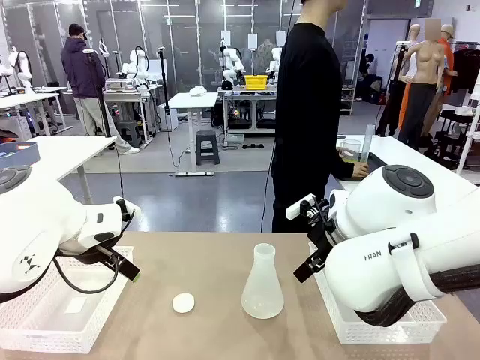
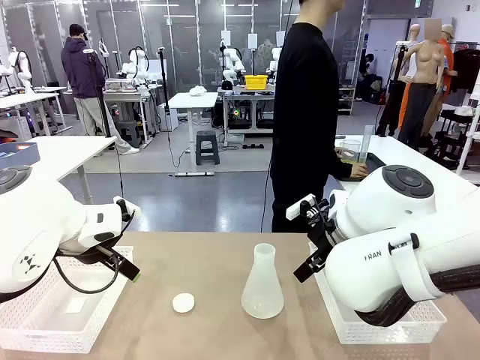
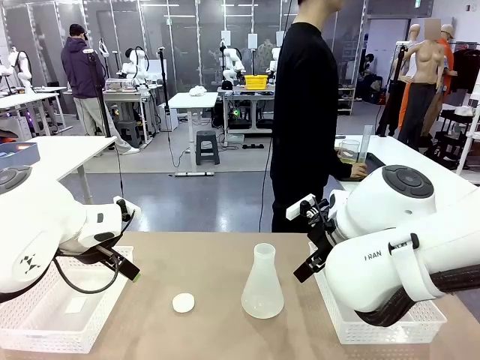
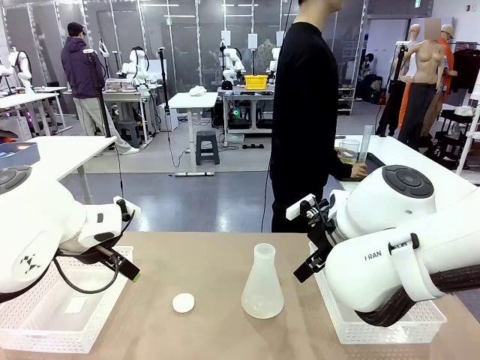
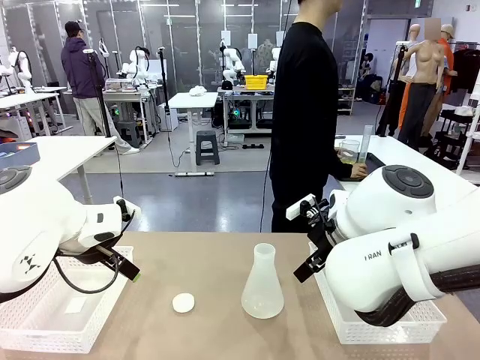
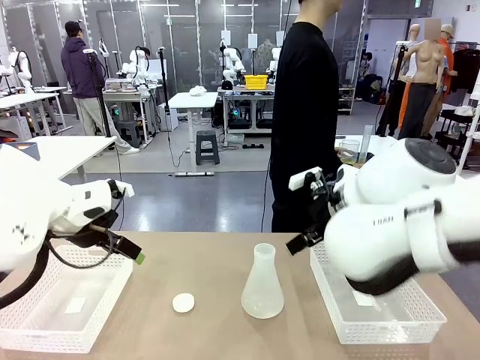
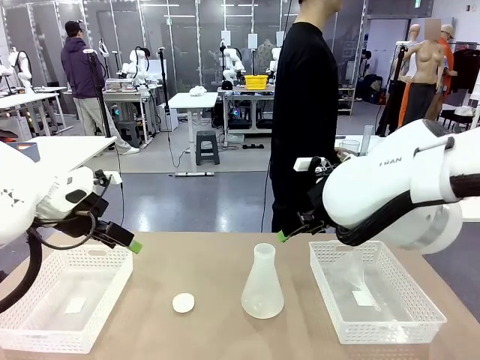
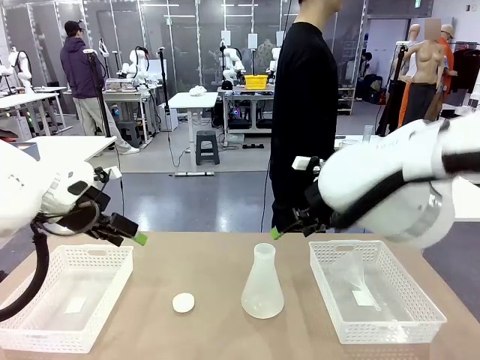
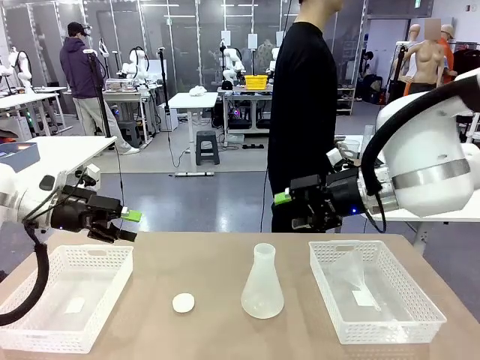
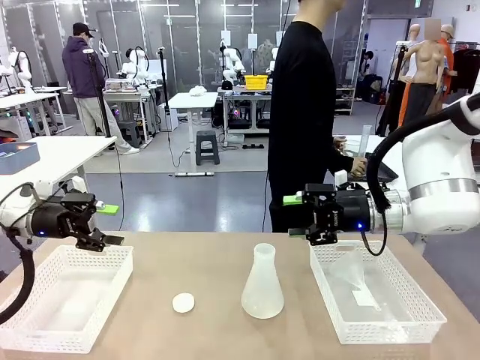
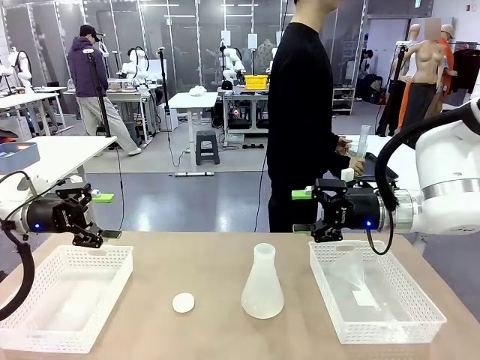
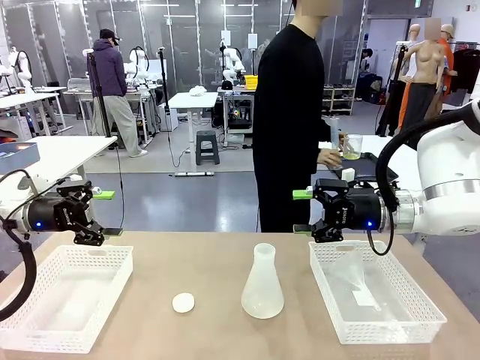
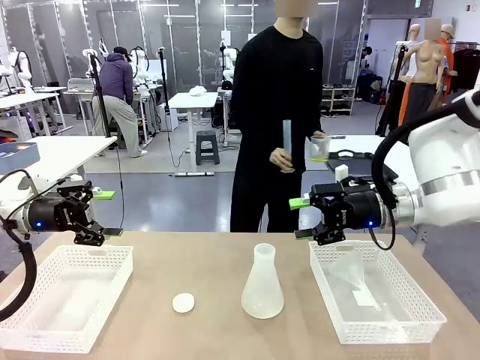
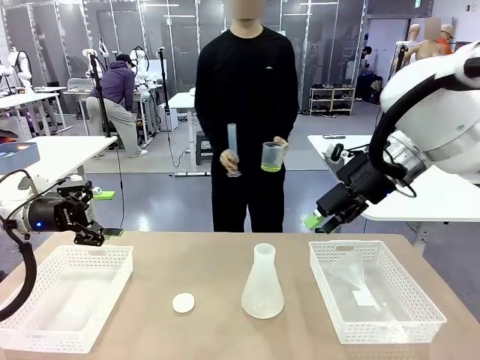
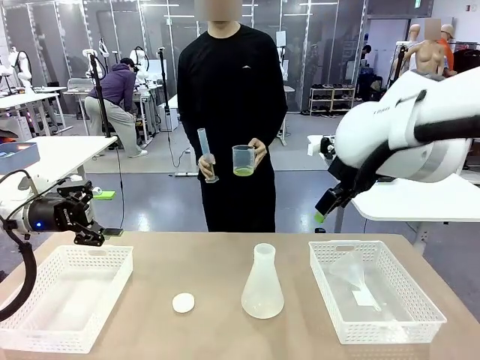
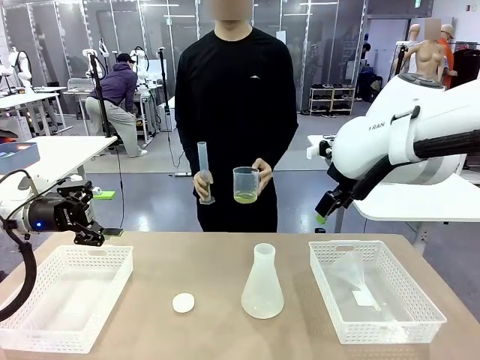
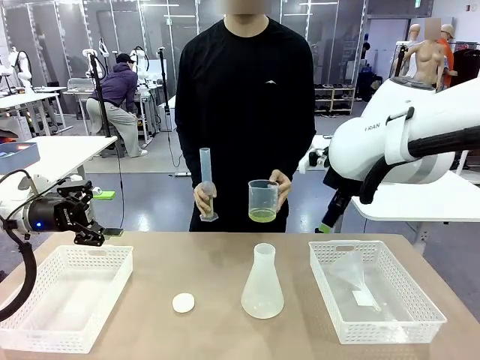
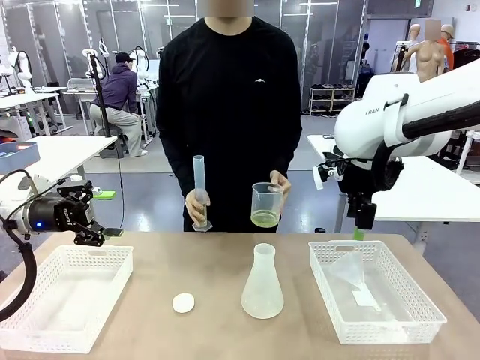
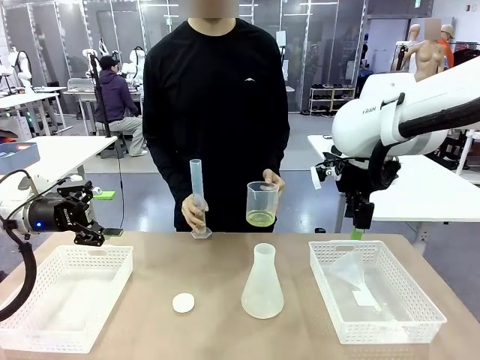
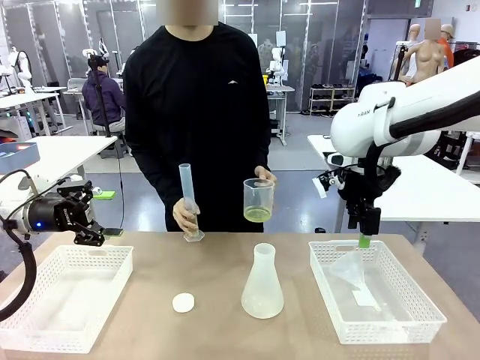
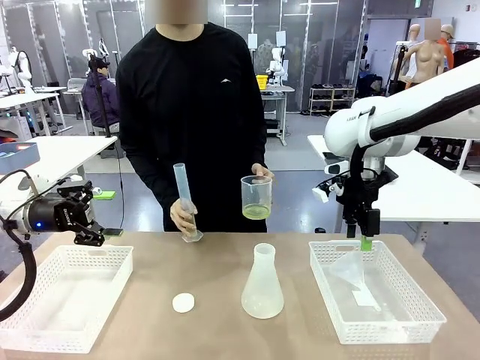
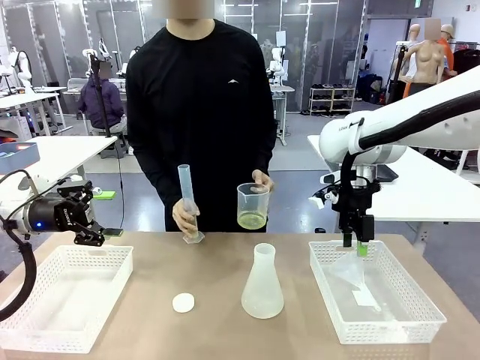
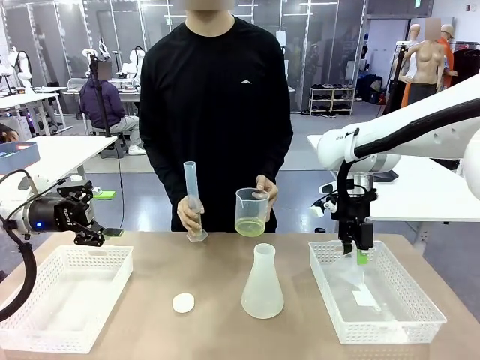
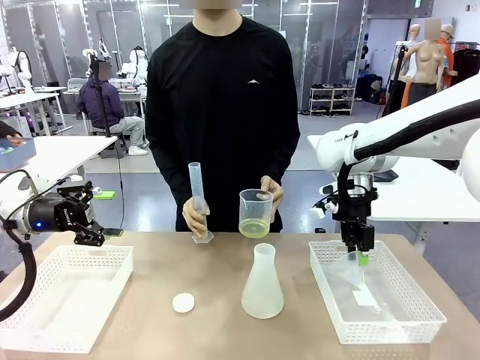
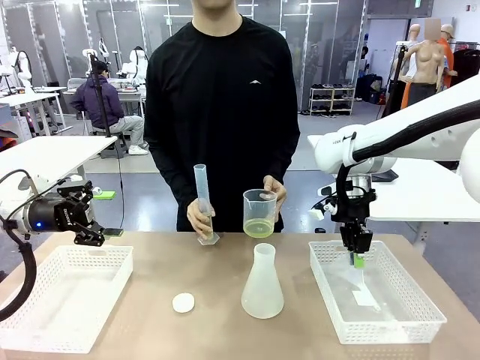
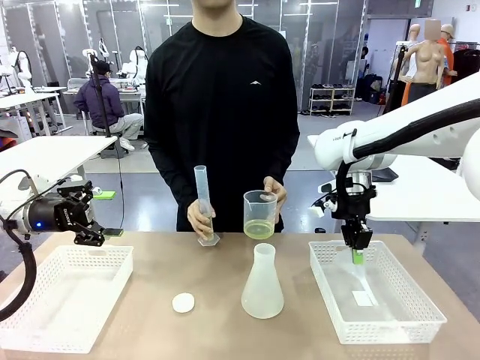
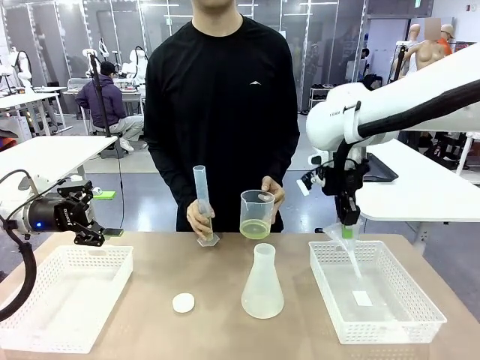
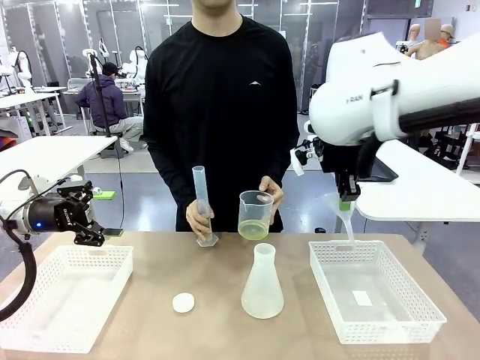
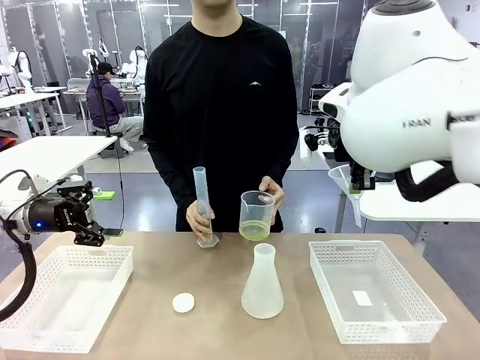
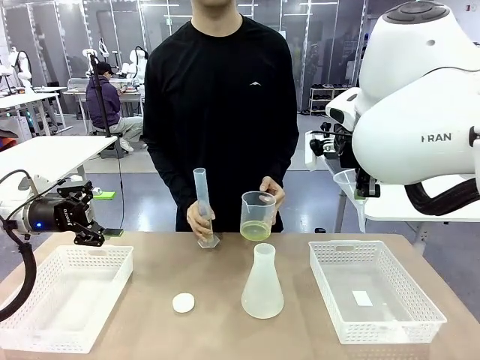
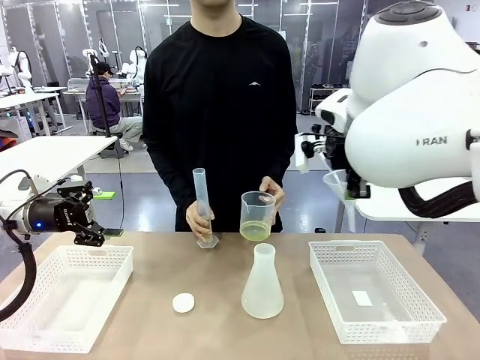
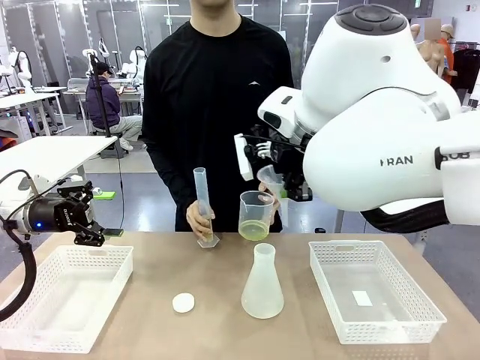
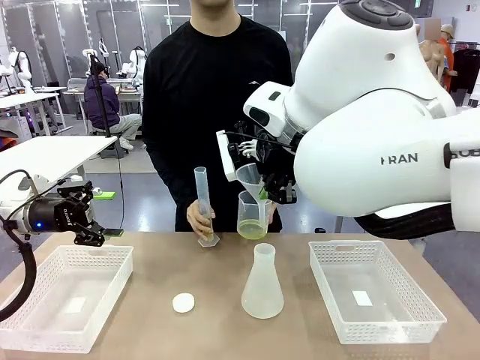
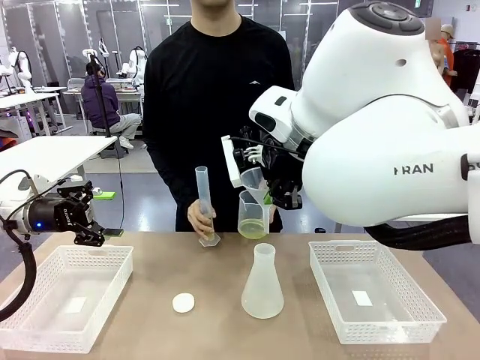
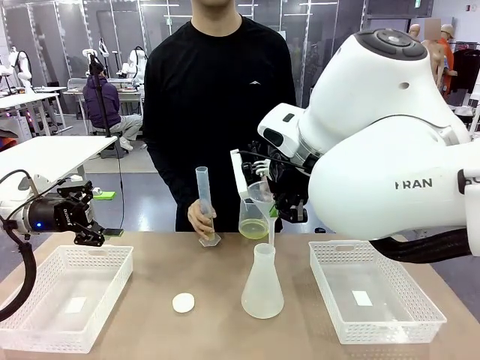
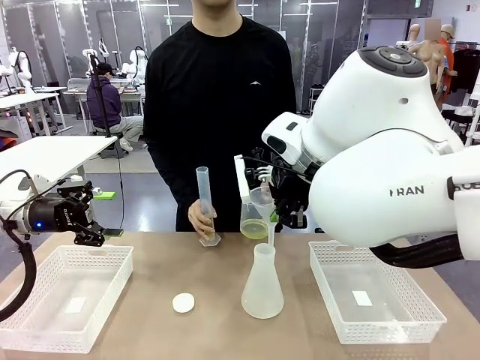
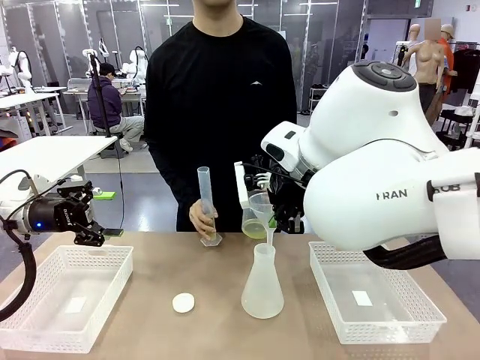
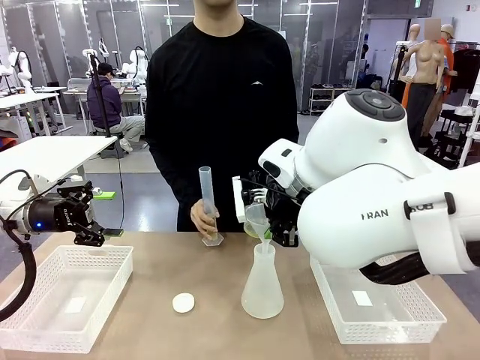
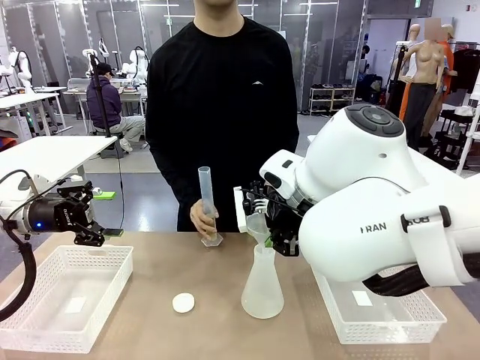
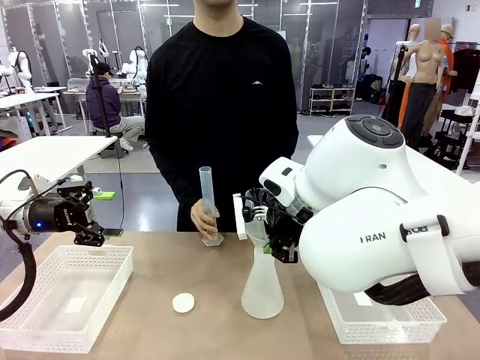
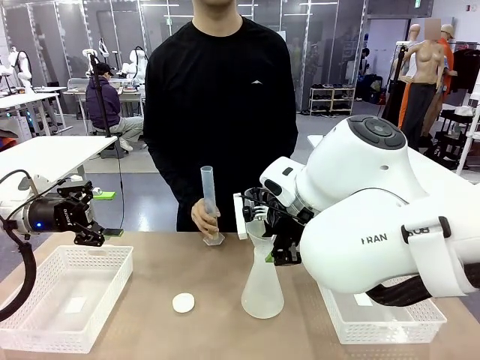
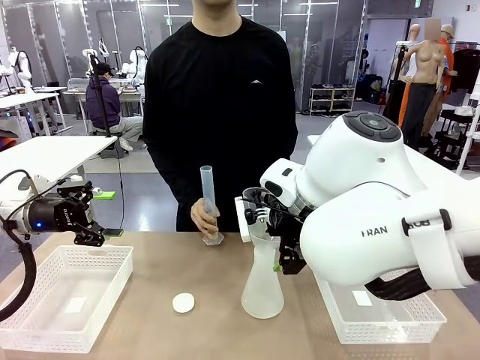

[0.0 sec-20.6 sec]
Task: Prepare the solutions needed for the experiment.
Robot: Pick up the Plastic Funnel and insert it into the Big flask.
Person: Pick up the beaker and the cylinder and move to the middle of the robot table. Pour the solution from the beaker and the cylinder into the flask.
